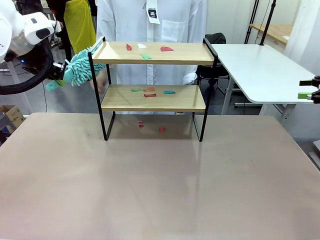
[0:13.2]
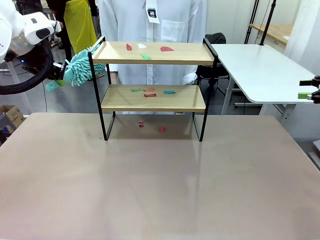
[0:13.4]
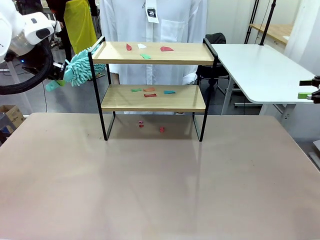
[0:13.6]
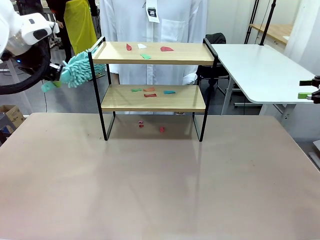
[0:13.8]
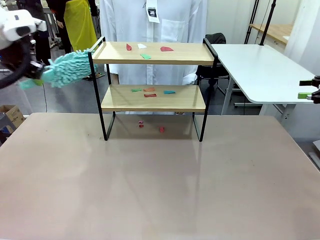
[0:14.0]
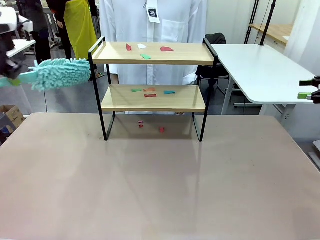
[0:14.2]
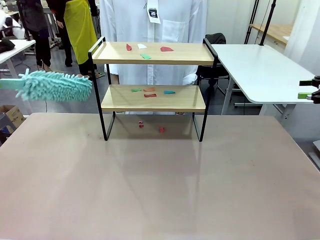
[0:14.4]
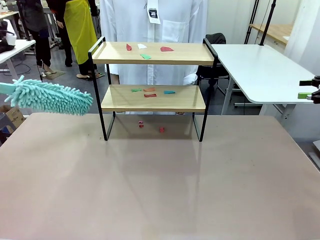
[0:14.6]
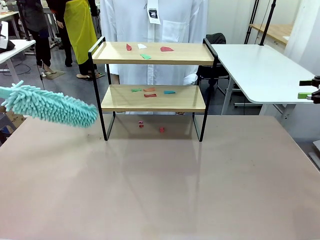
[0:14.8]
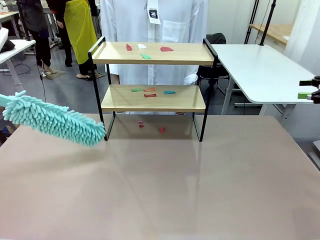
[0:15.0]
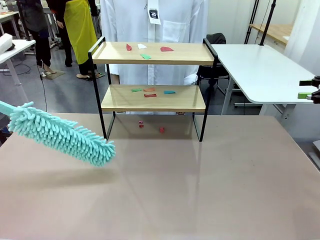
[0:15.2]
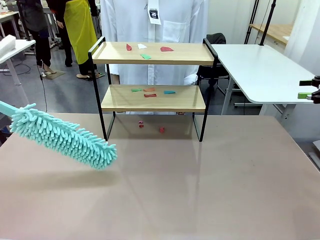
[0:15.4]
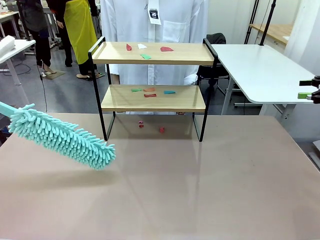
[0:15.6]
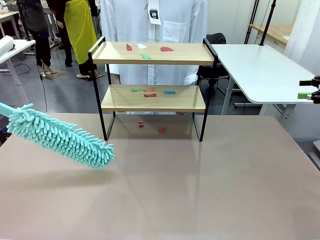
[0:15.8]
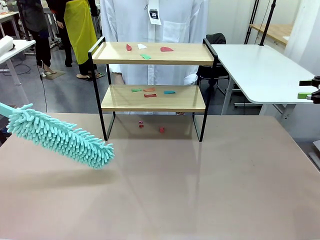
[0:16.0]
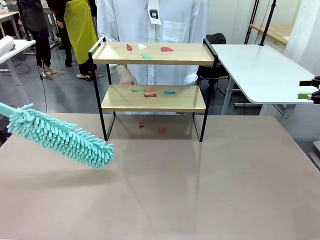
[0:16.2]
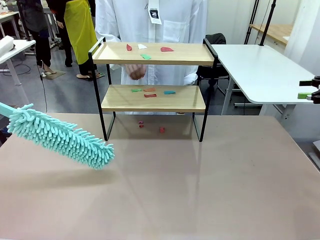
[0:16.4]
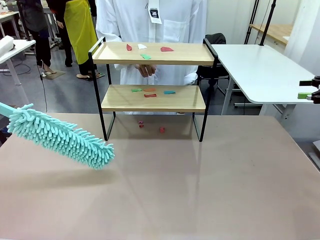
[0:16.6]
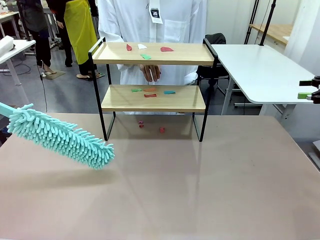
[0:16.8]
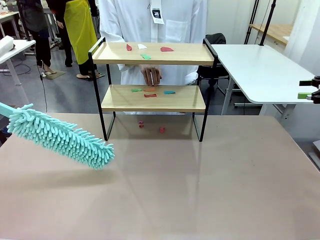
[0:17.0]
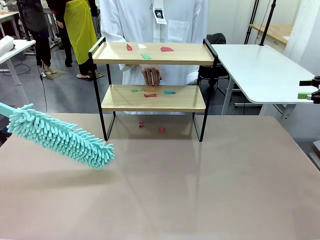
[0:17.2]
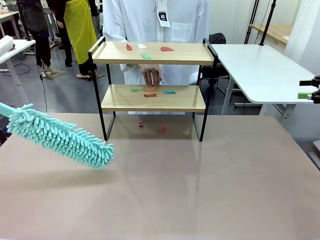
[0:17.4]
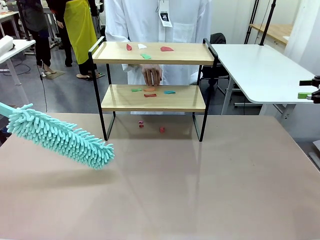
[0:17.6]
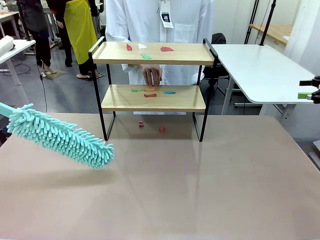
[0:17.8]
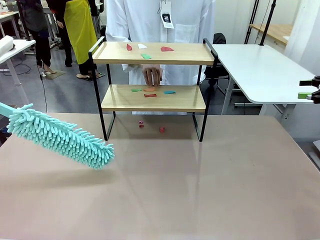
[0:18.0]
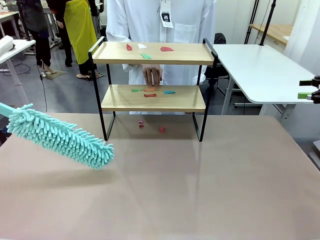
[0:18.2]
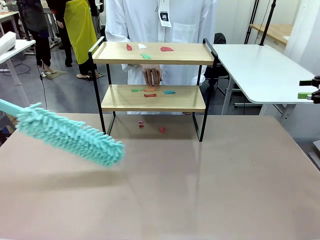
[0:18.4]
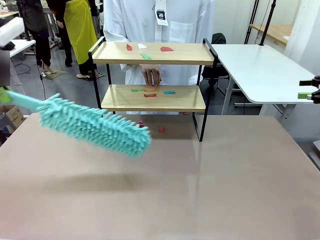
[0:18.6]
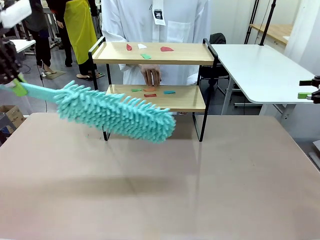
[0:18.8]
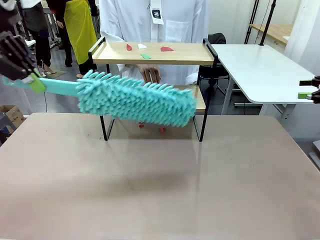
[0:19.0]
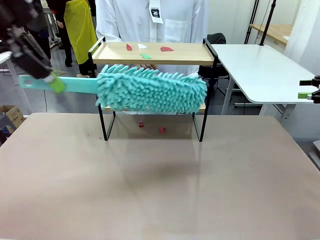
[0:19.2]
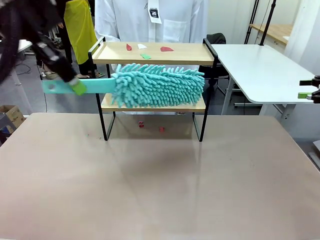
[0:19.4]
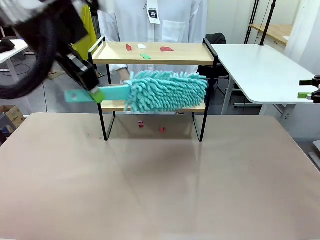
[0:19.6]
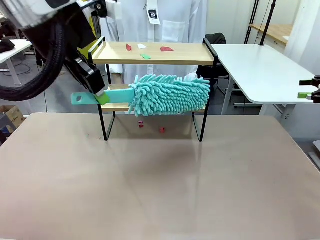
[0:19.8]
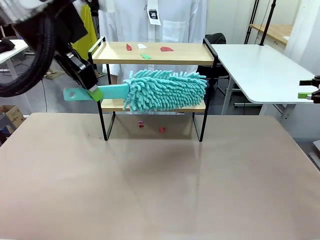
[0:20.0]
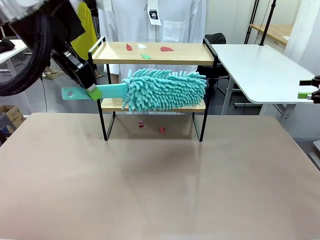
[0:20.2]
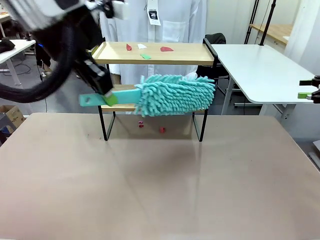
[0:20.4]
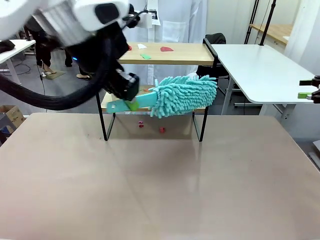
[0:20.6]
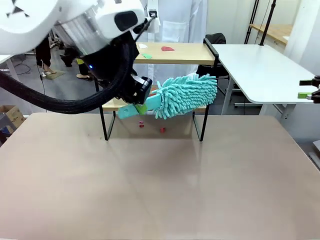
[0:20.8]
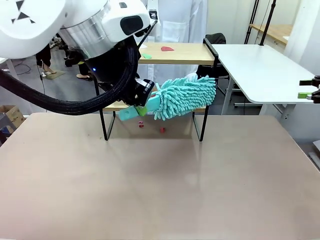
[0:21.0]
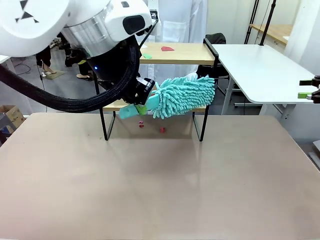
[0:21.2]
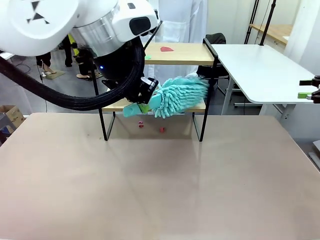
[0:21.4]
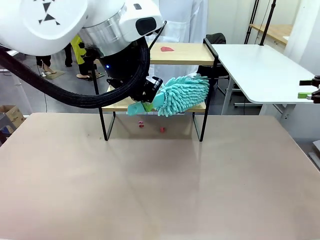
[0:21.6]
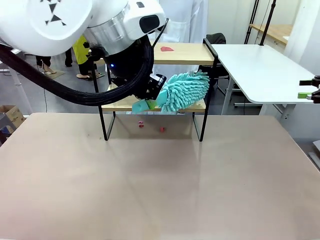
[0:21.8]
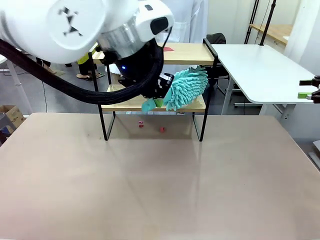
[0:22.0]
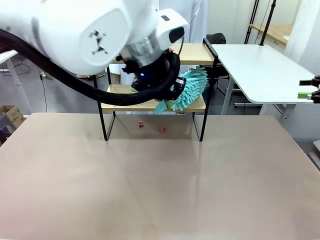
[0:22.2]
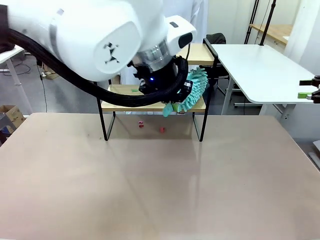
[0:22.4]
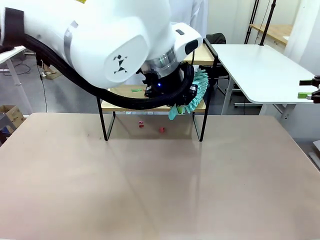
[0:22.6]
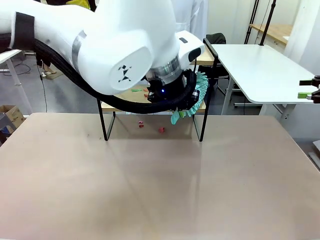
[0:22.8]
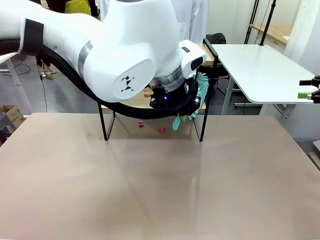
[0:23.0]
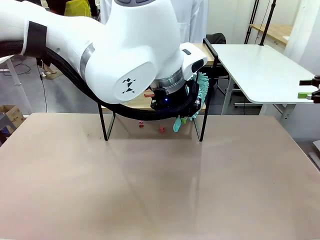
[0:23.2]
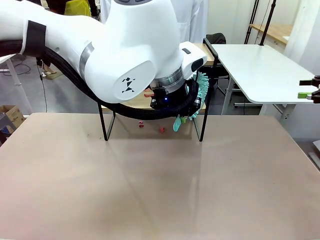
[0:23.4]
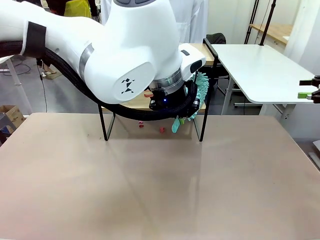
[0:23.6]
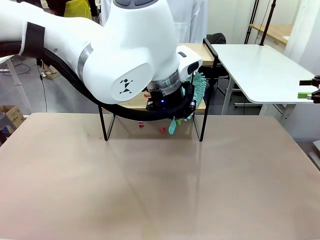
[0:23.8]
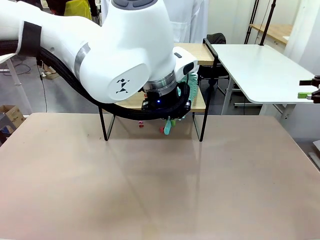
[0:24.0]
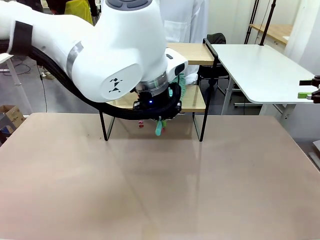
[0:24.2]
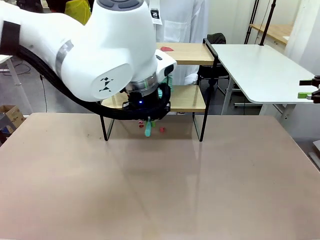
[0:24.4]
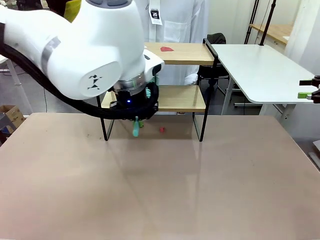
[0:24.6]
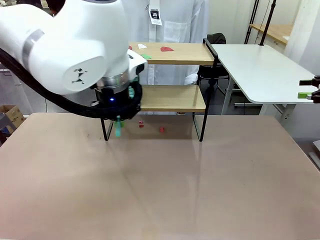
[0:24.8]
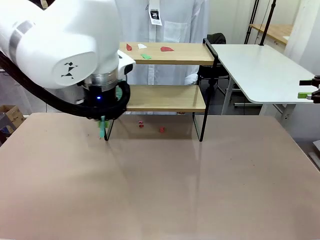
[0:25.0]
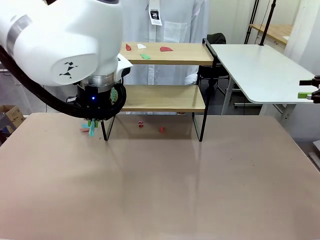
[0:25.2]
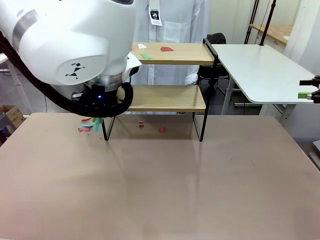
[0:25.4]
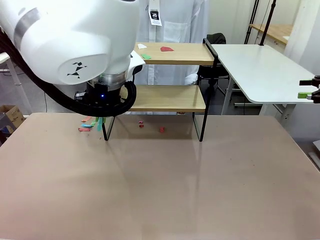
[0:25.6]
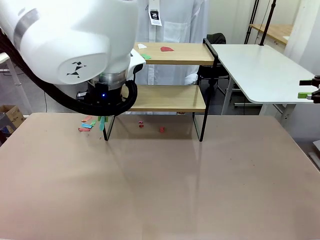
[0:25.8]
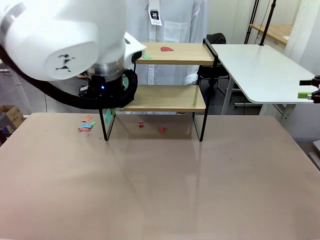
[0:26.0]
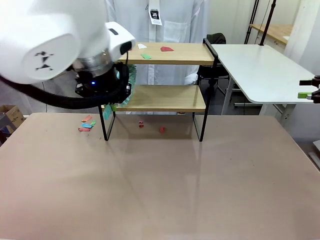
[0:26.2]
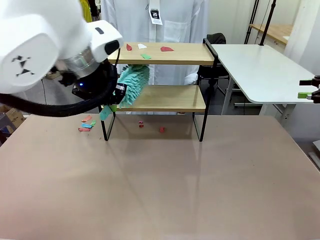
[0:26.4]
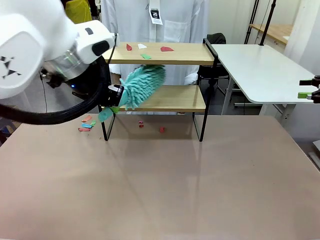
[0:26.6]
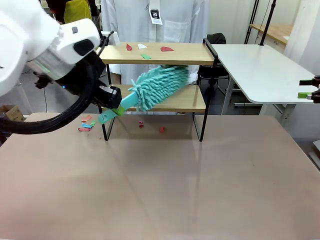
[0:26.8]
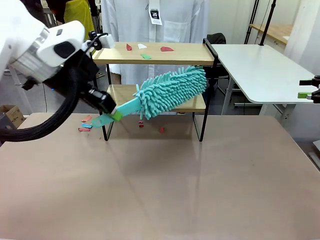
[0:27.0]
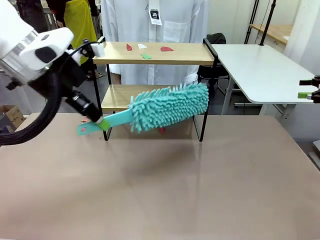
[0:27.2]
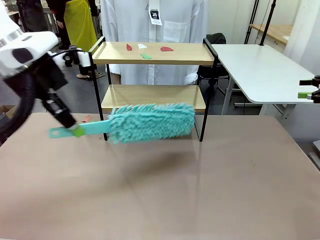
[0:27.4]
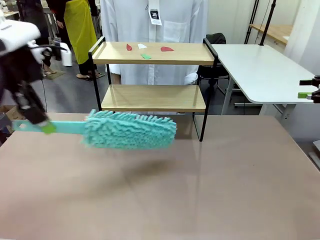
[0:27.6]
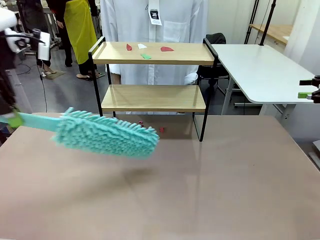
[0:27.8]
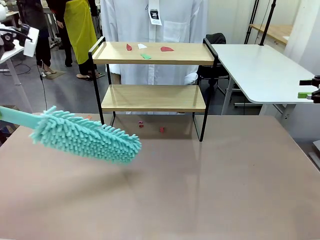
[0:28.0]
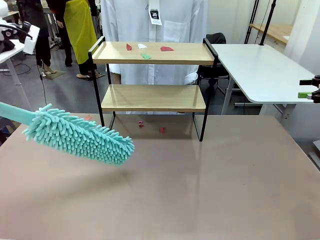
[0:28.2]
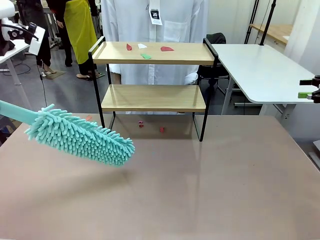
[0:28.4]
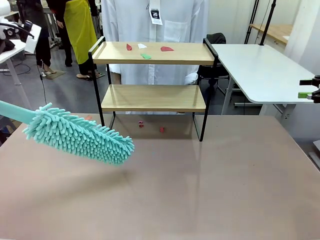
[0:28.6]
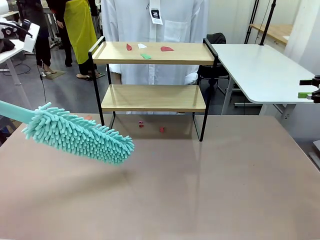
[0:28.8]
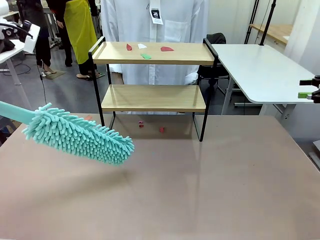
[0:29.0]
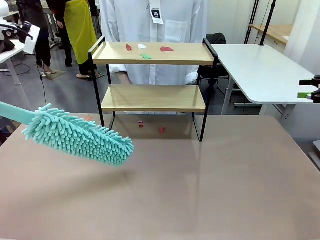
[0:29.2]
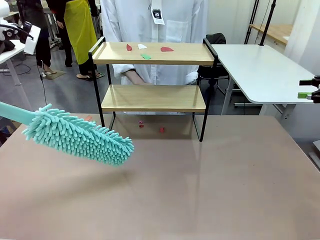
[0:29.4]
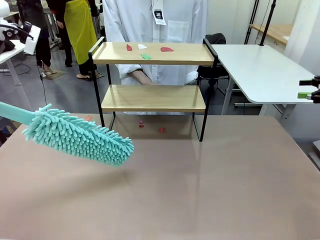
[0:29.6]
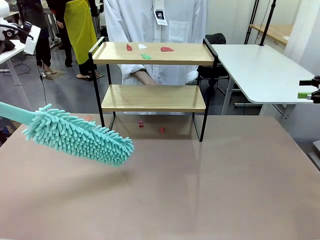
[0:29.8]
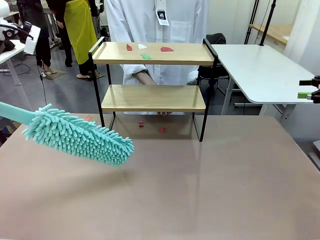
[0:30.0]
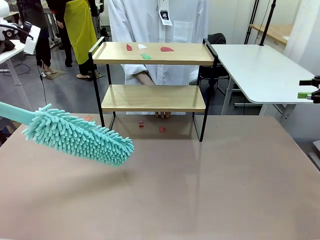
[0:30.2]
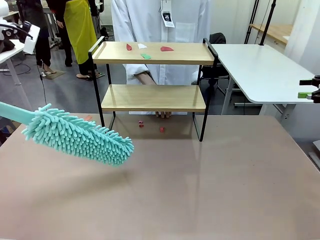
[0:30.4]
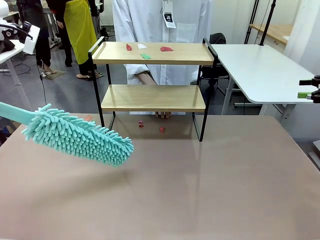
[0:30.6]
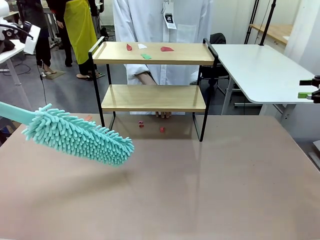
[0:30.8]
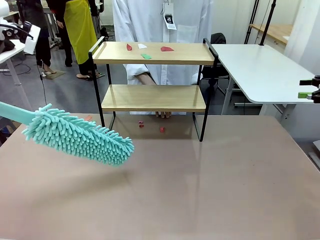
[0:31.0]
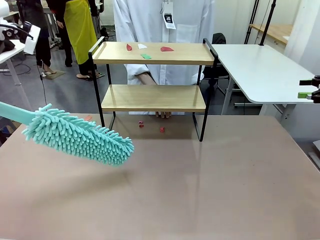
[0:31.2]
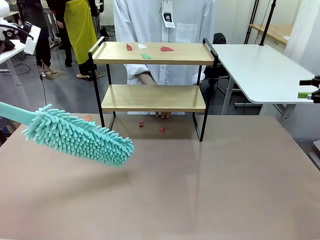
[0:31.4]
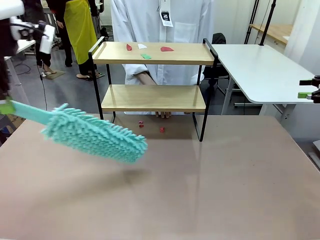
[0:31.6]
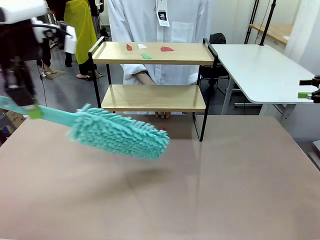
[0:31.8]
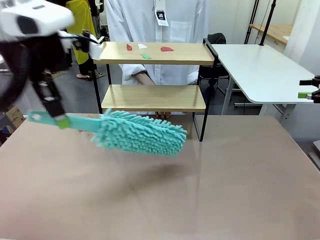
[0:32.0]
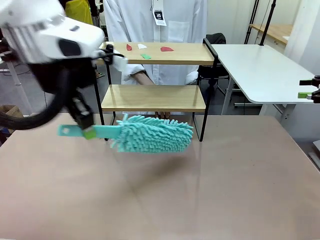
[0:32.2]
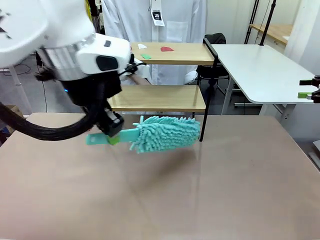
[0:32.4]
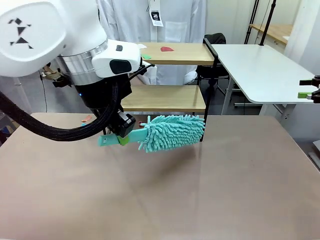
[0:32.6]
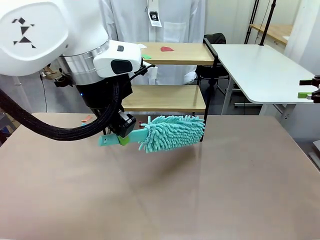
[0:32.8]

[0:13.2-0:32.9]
Task: Clean the shelf.
Robot: Clean the specific section of the Shelf indicated by the human with the Duster.
Person: Point a random section of the Shelf.
